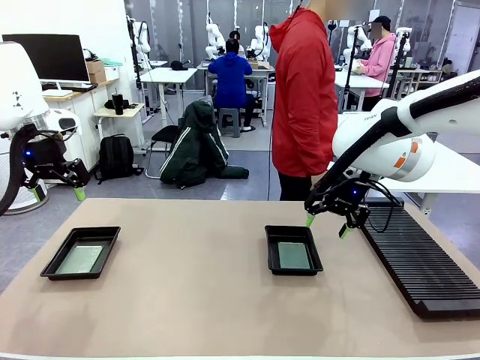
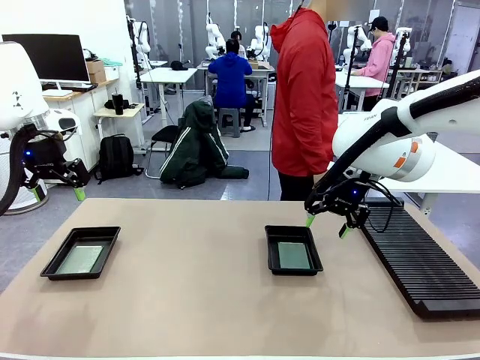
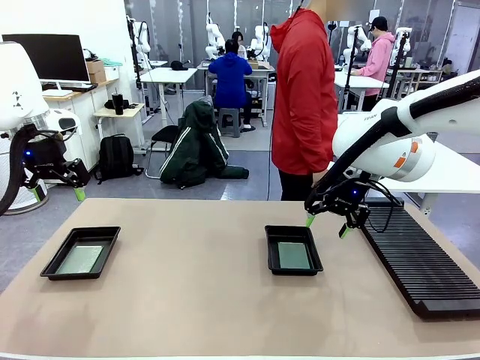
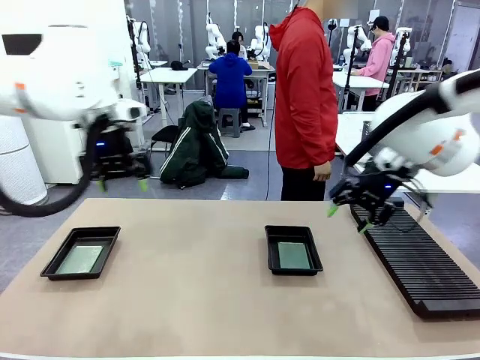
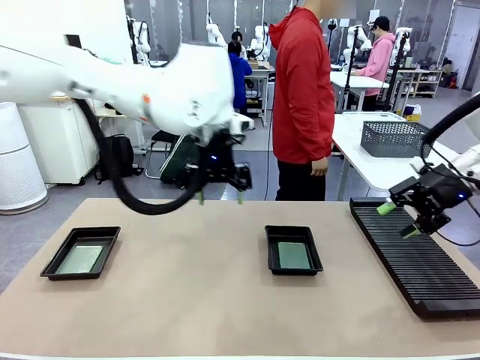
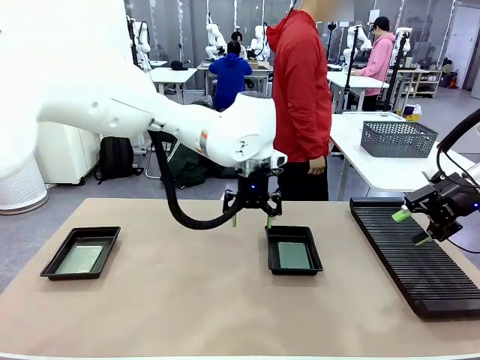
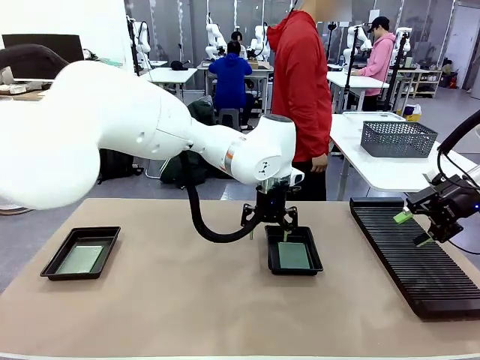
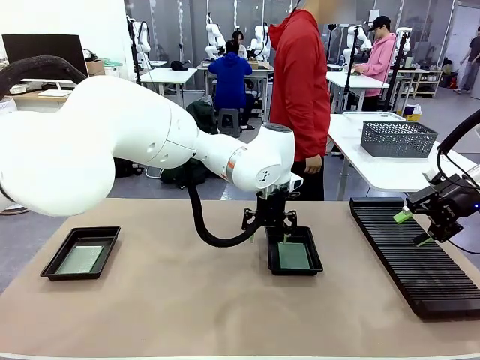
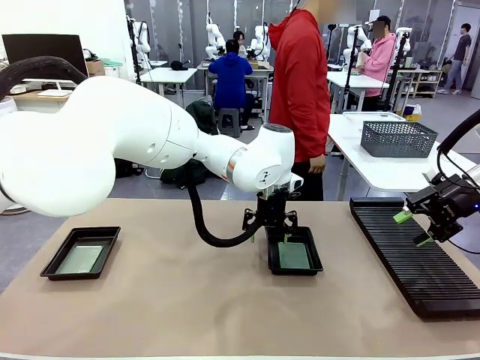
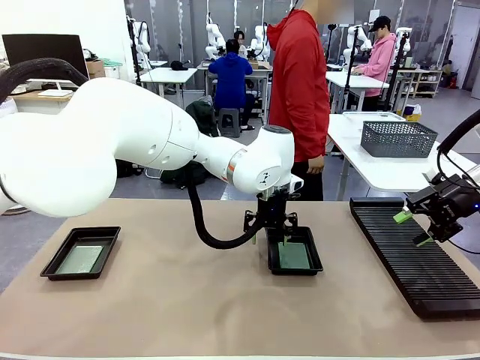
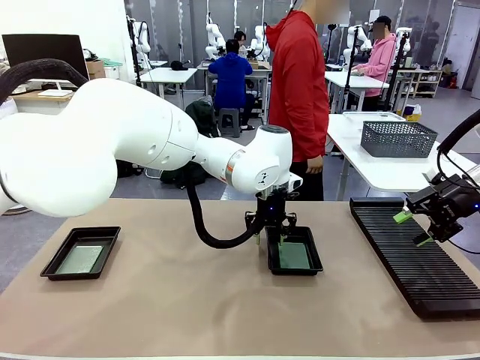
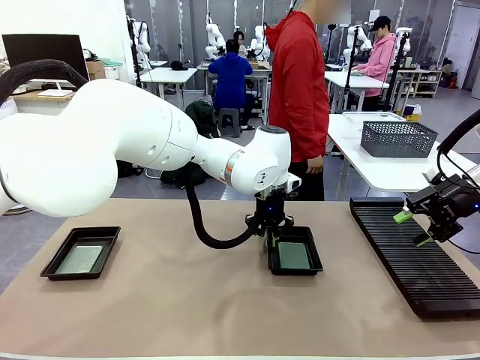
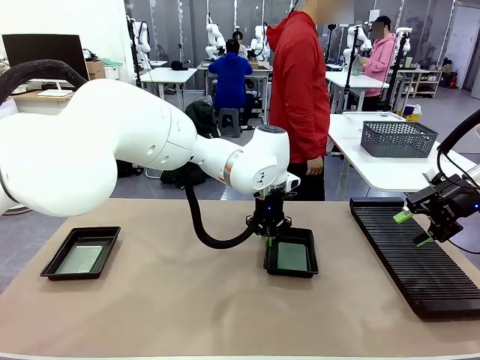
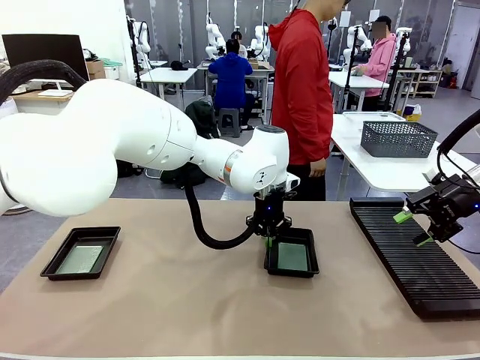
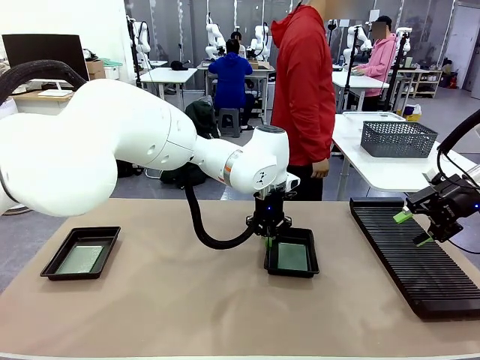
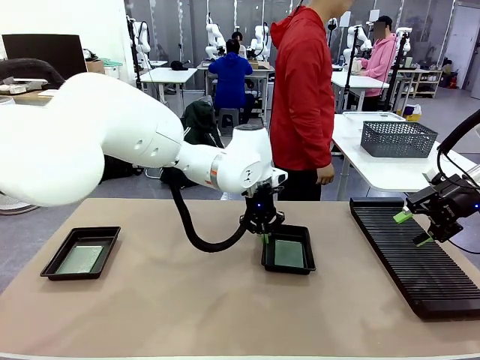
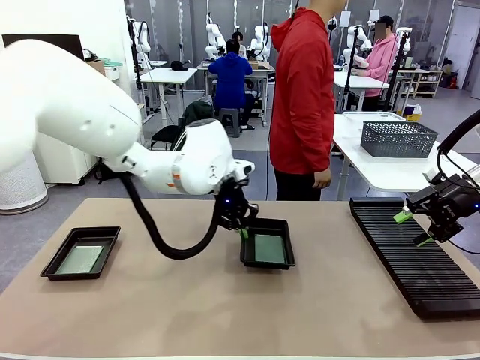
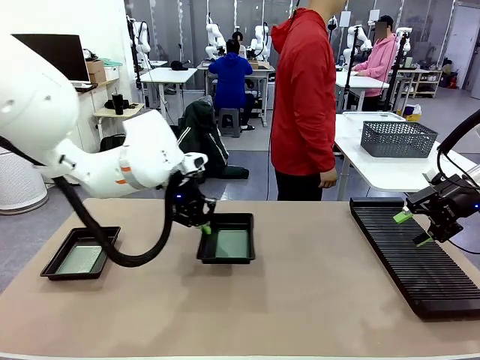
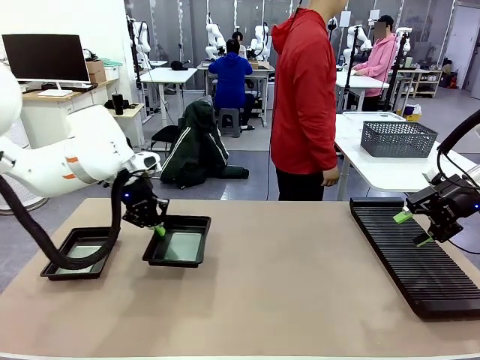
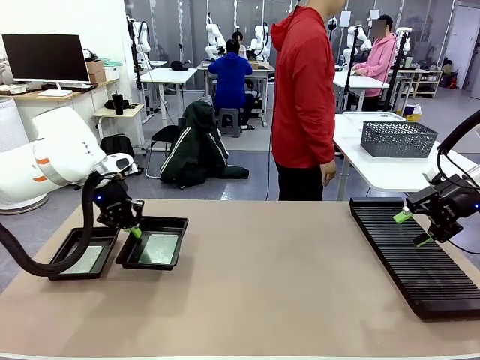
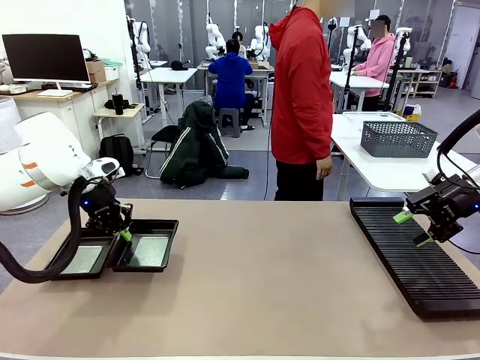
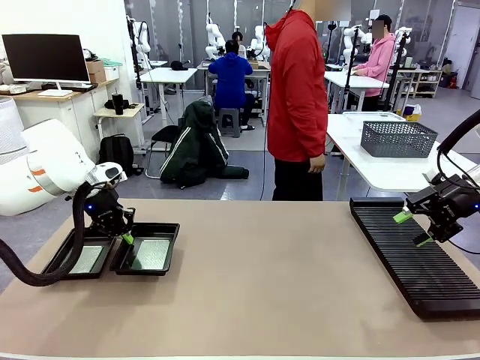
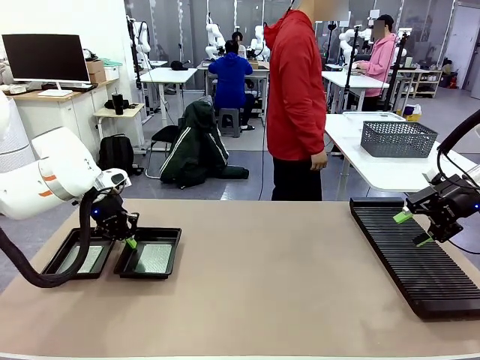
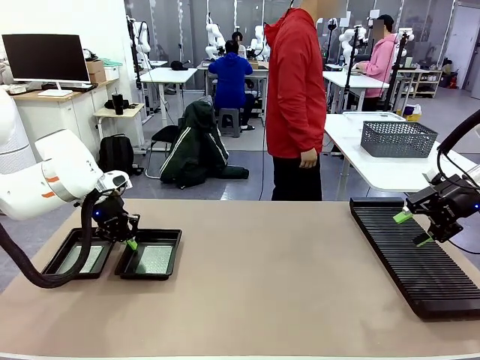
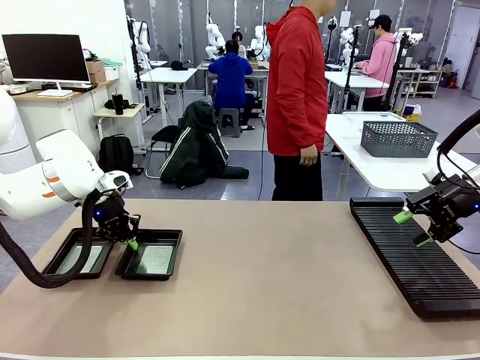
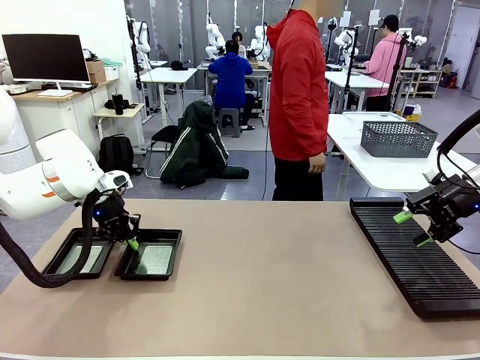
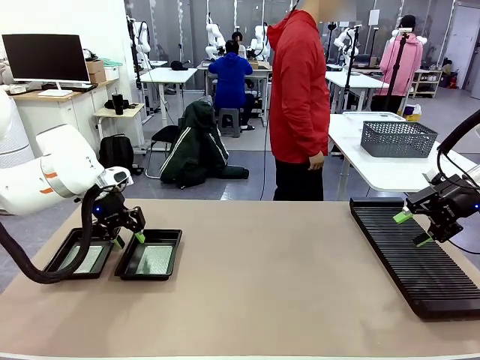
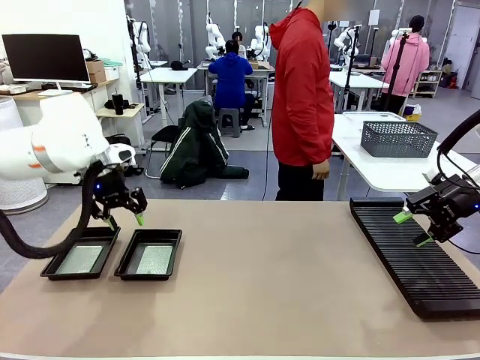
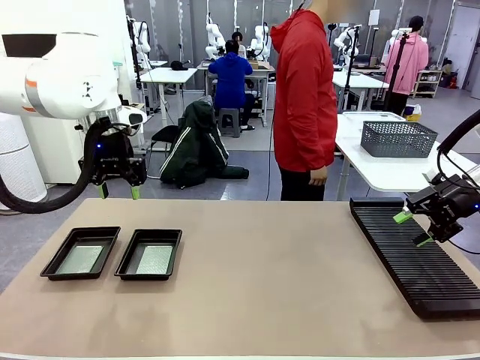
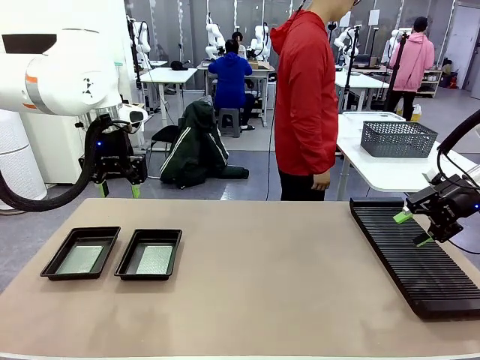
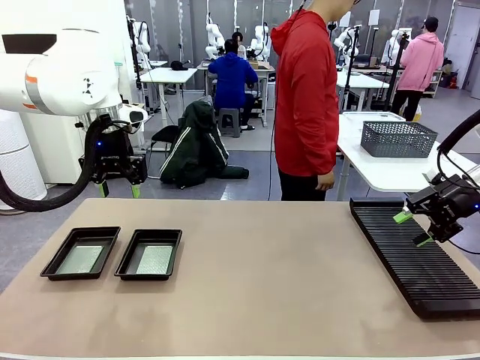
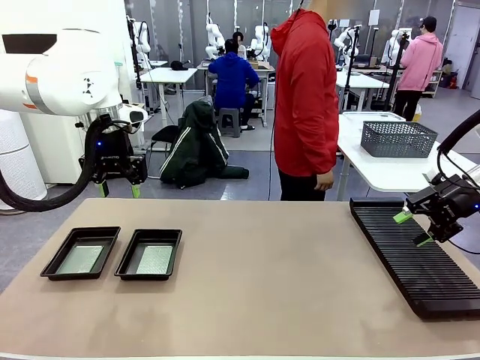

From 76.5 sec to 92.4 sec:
Task: Inspect and transfer BCBs to ESD trays.
Robot: Pick up the ESD tray and place it on the left side of the table.

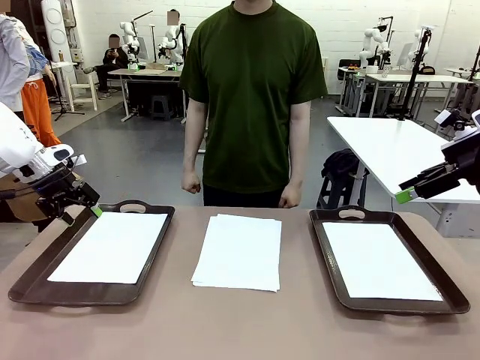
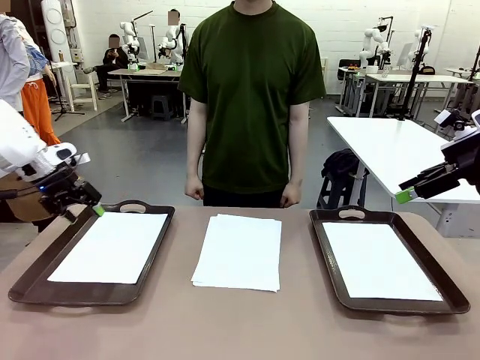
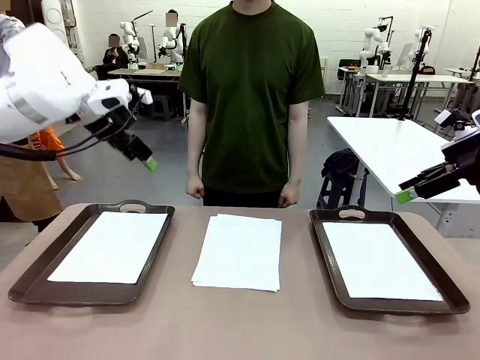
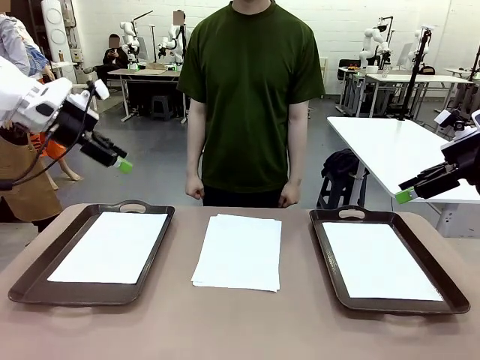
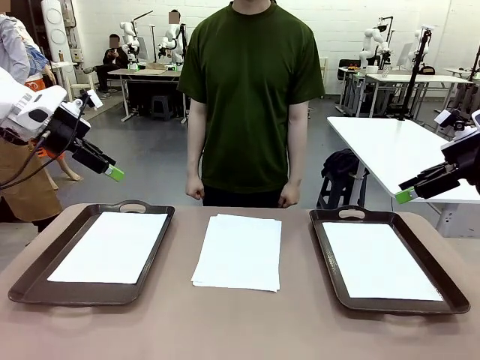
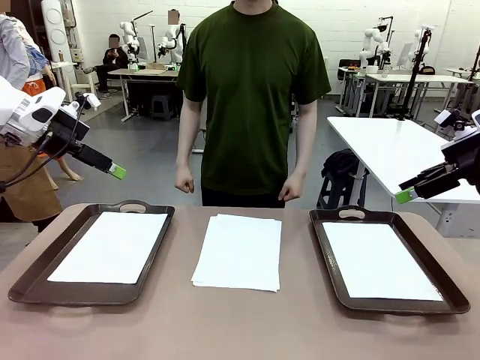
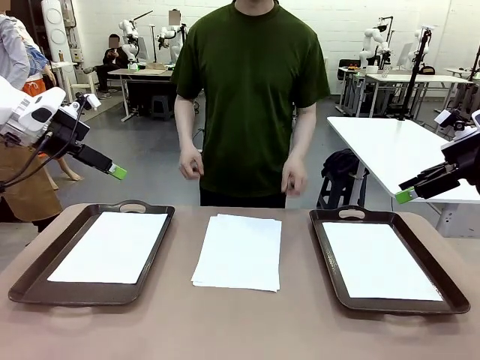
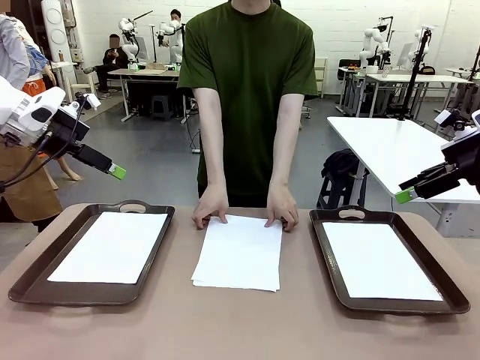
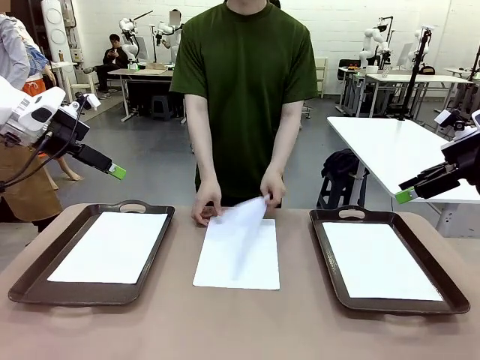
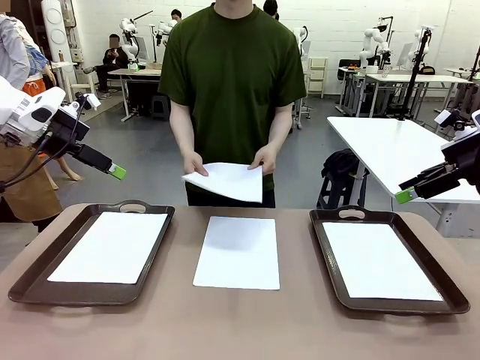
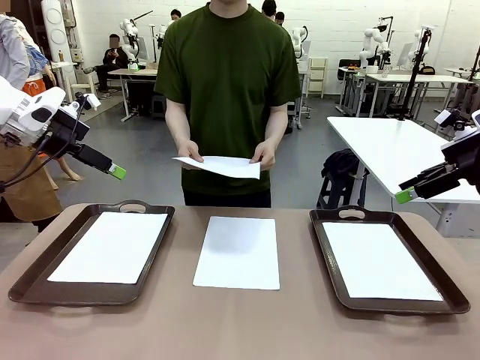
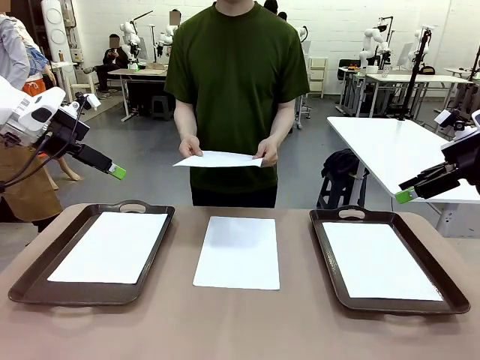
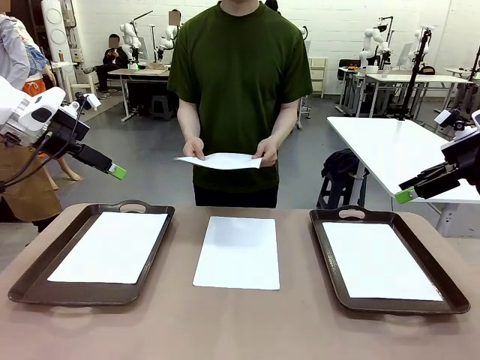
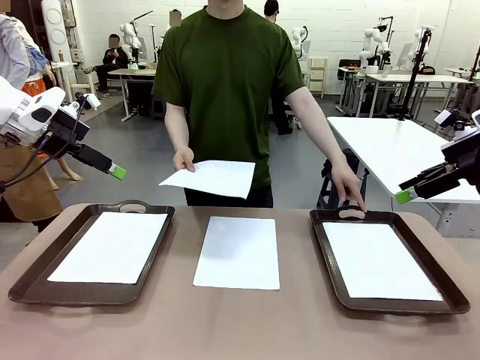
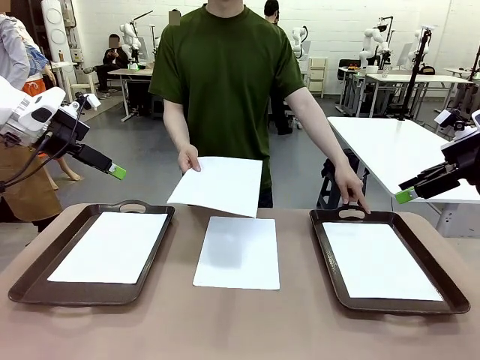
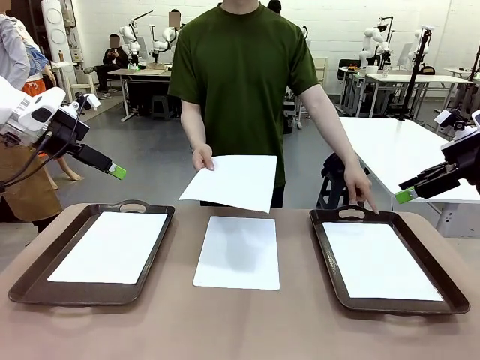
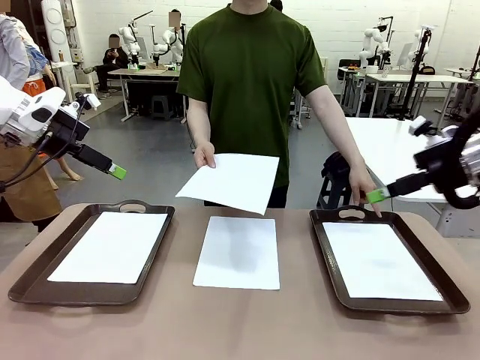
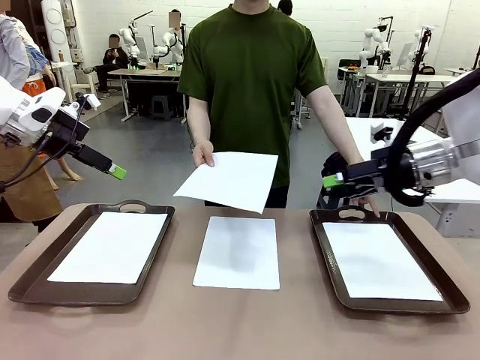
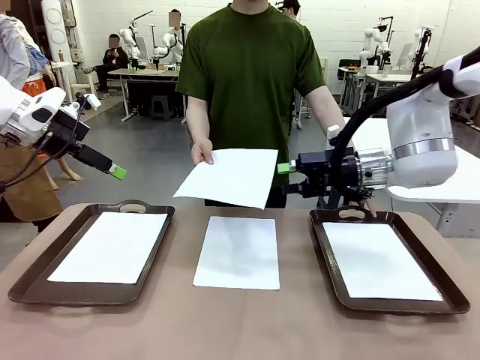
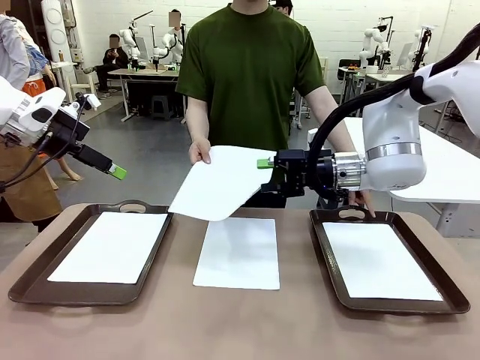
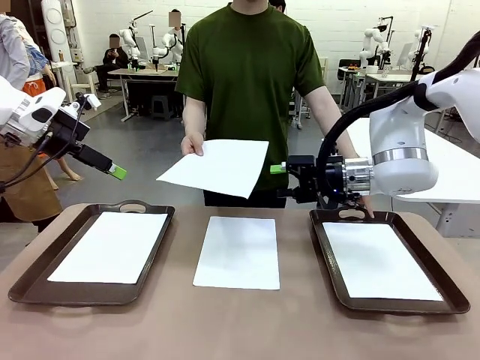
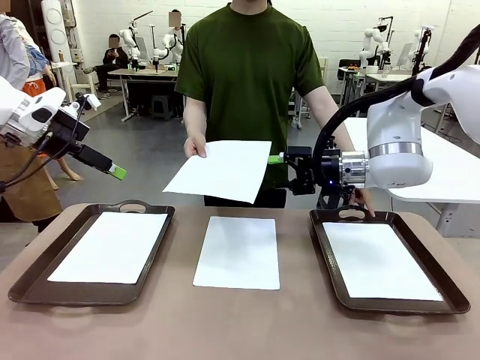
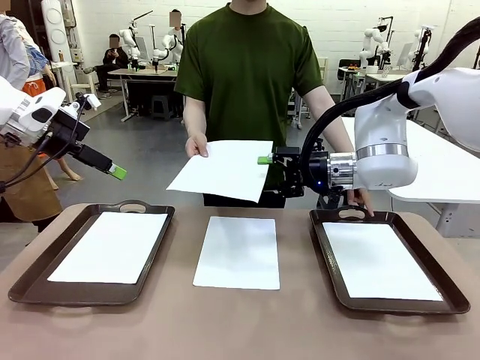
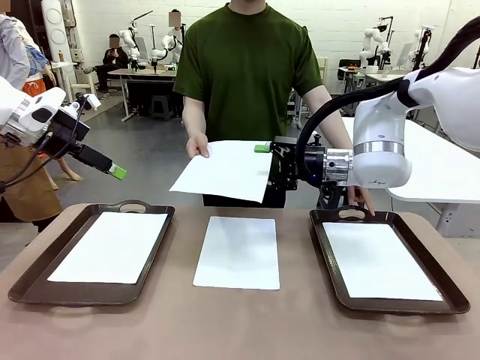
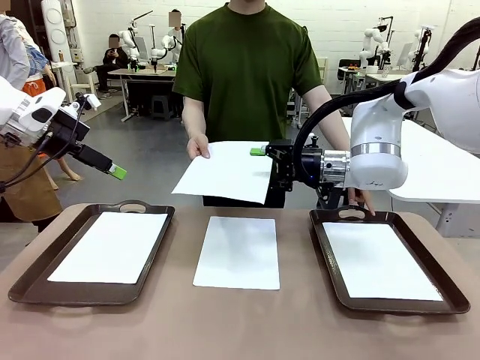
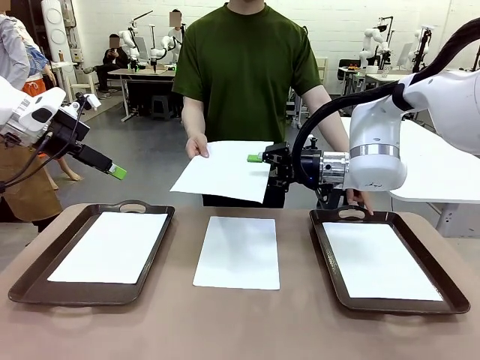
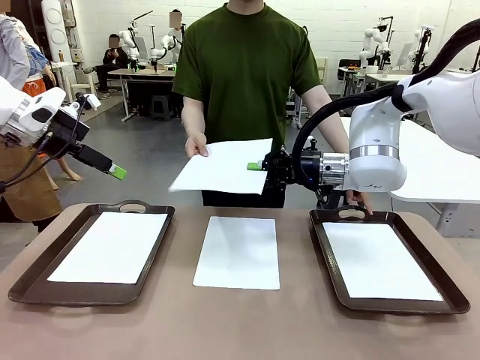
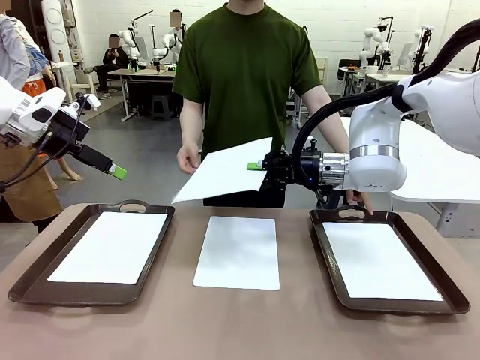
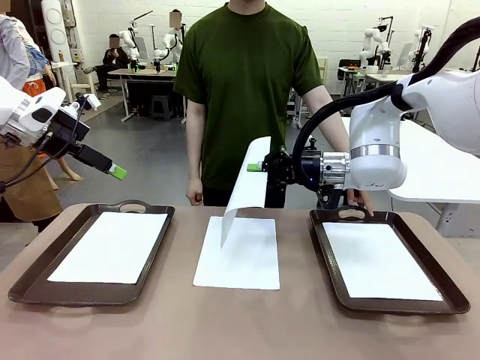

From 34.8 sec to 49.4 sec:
Task: Sort the A4 documents.
Robot: Receive the A4 Paper.
Person: Point the randomly selected tray with the other hand.
